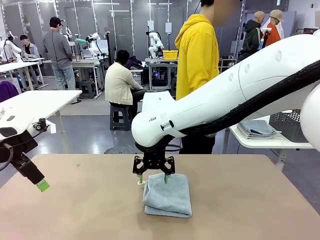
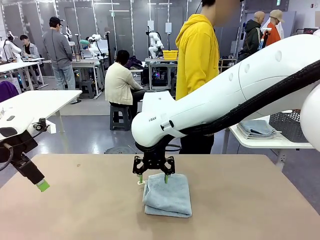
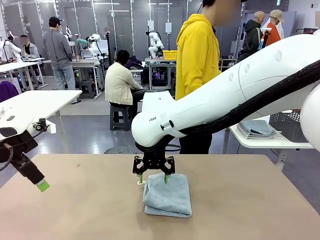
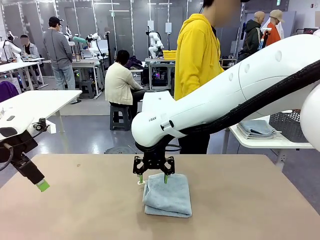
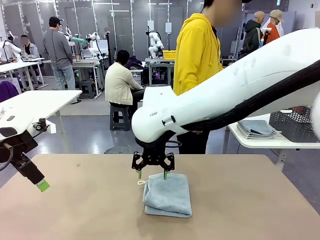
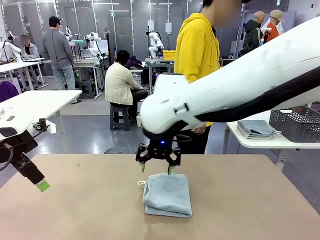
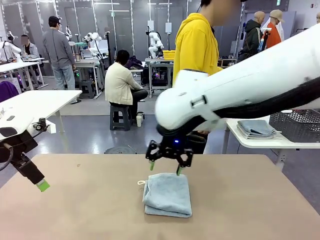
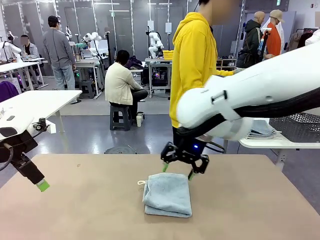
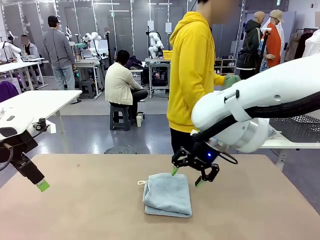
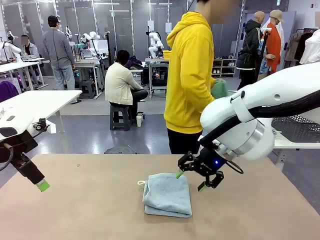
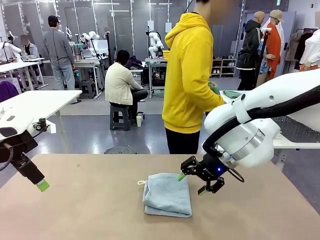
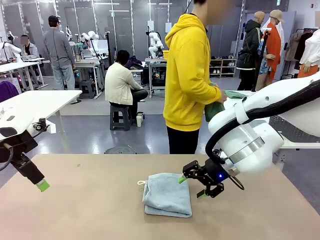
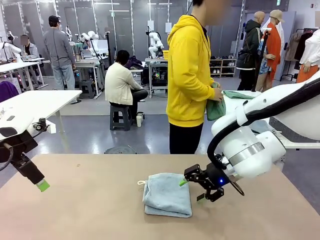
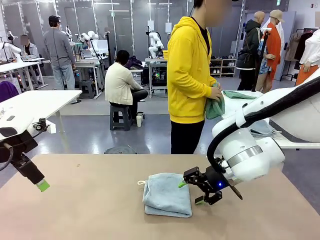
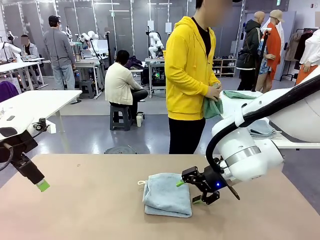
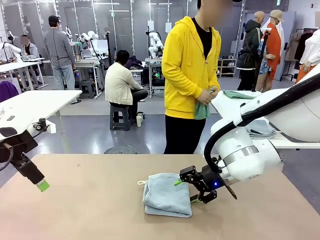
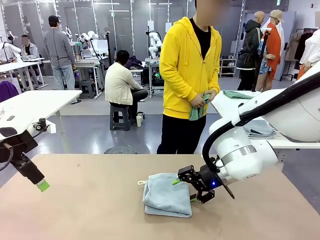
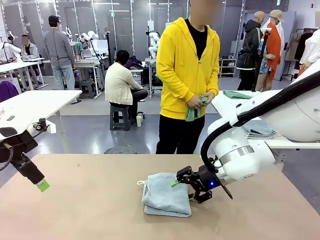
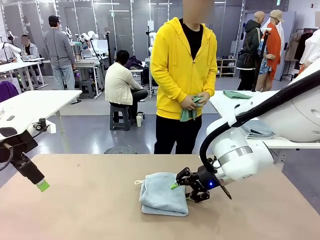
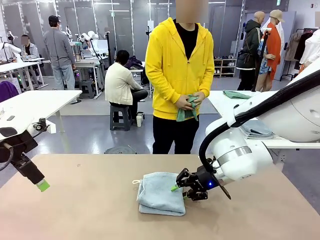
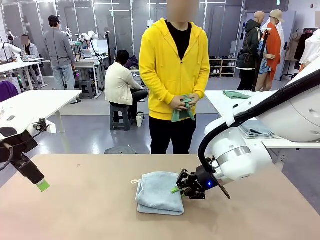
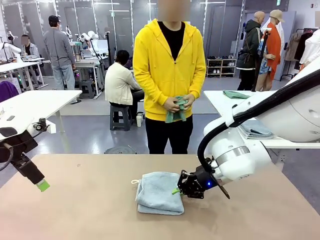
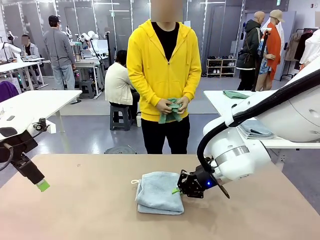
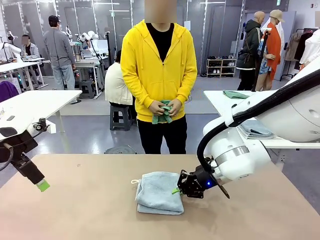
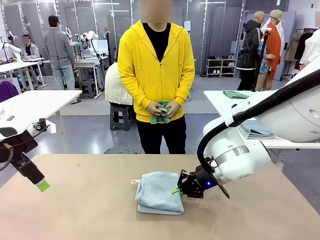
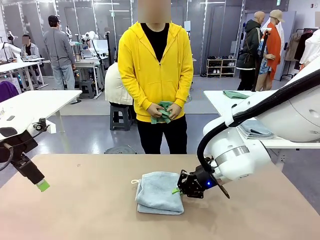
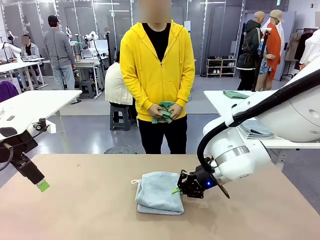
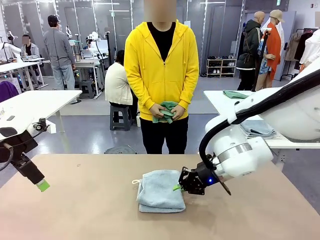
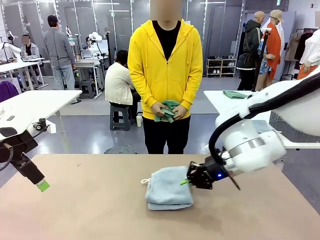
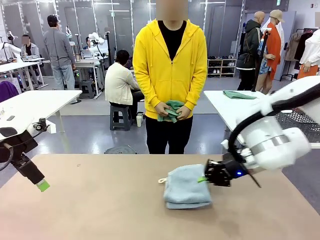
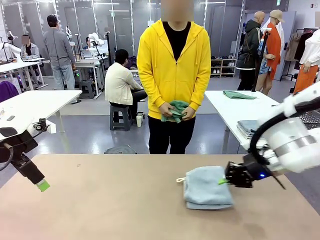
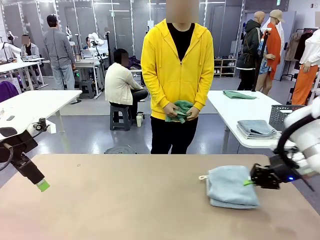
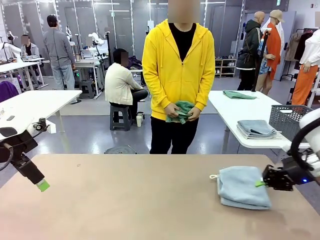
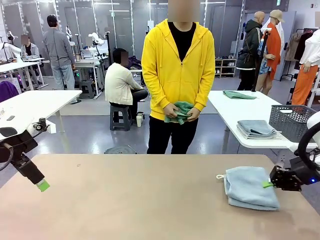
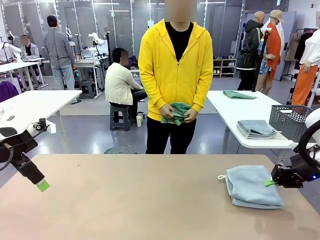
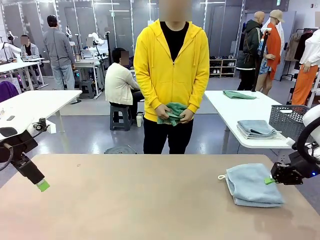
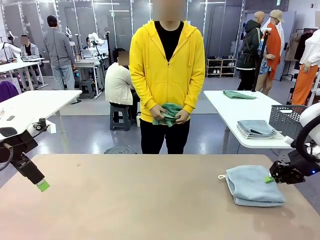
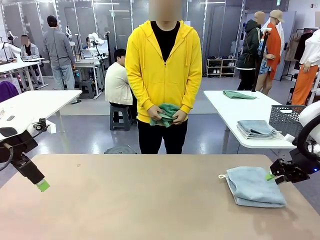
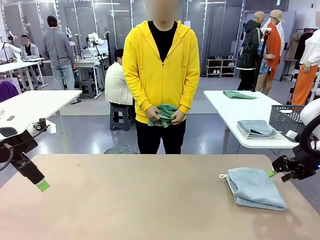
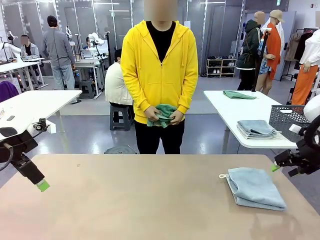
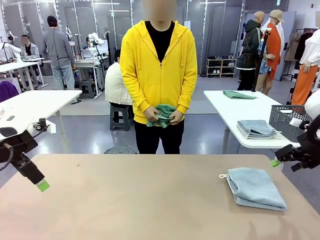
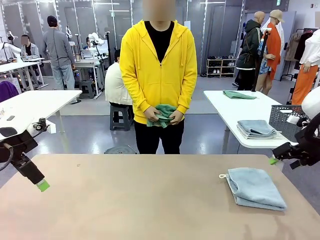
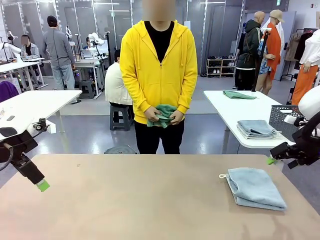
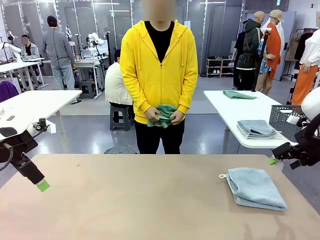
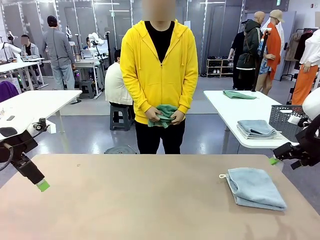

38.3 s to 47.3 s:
Task: Fold the towels and place them in the basket.
Robot: Place the folded Towel with hook on the right side of the table.
Person: Pick up one towel from the left side of the human table and spread it out at the center of the robot table.

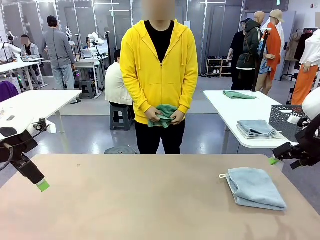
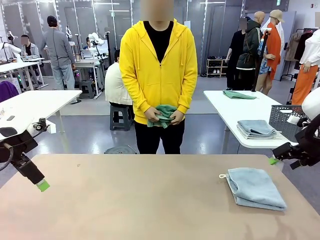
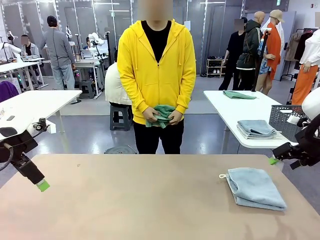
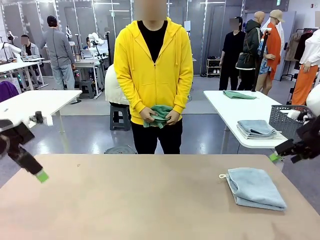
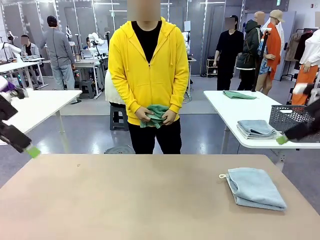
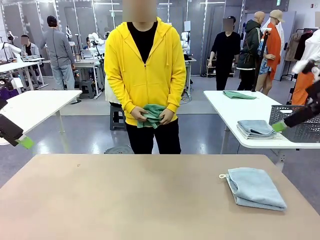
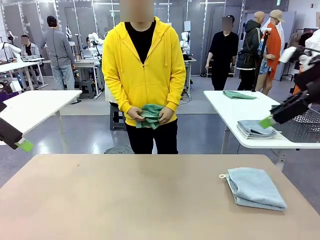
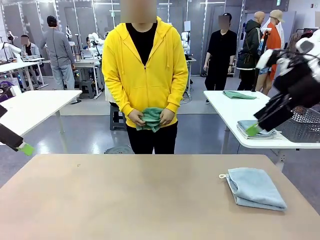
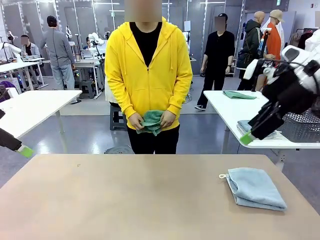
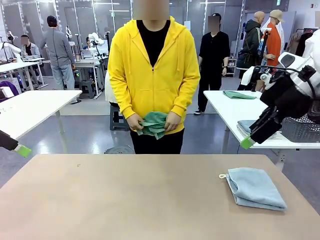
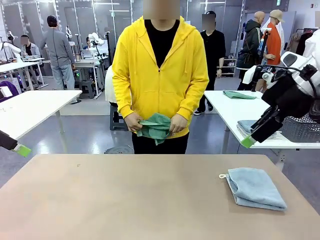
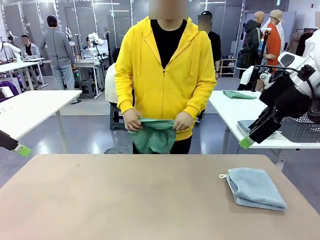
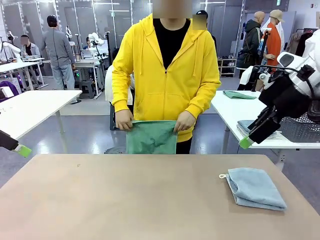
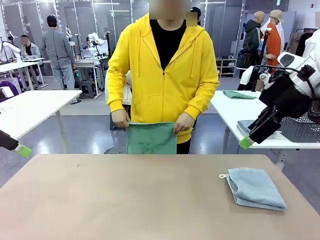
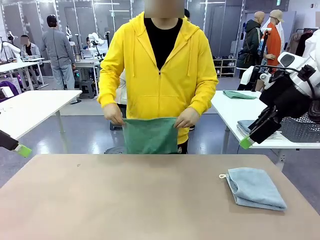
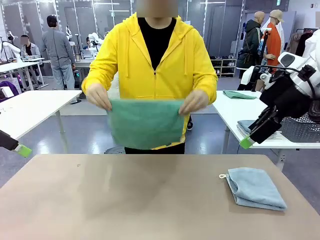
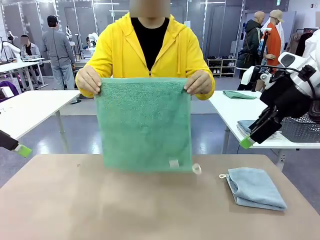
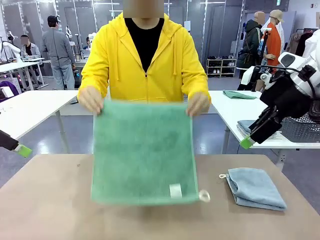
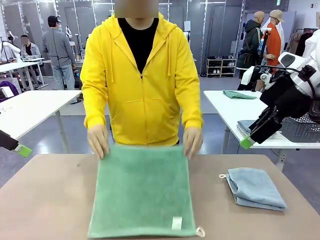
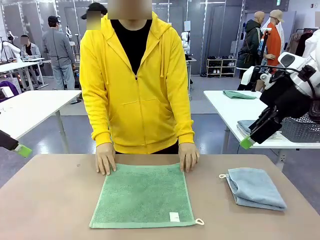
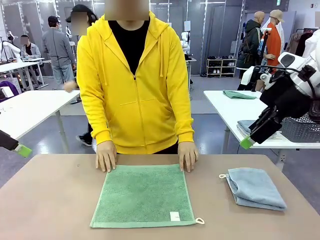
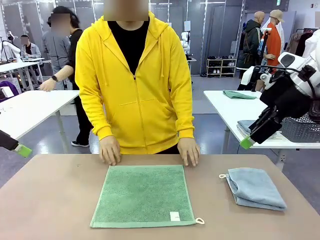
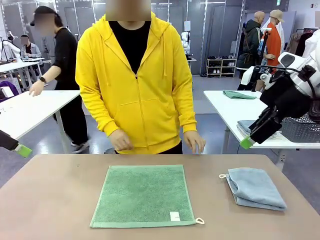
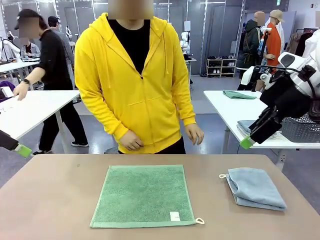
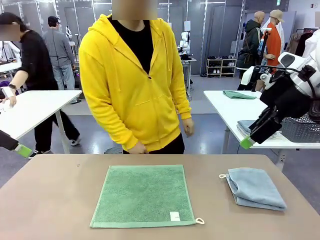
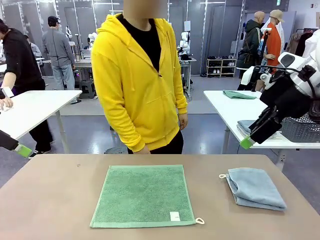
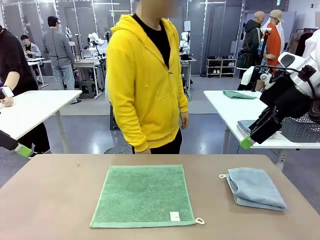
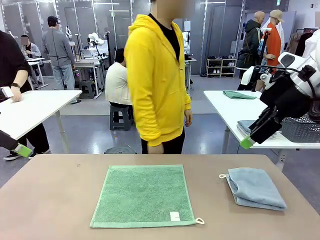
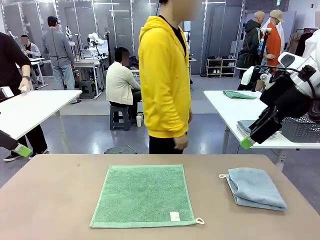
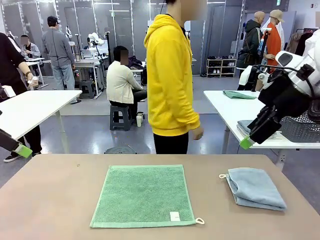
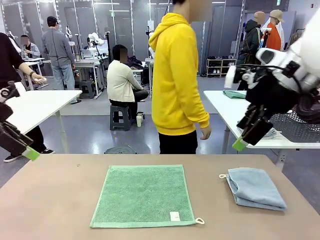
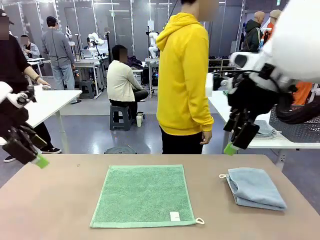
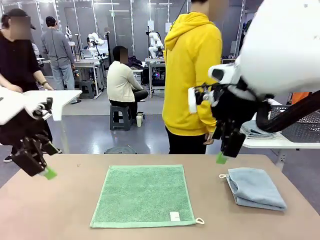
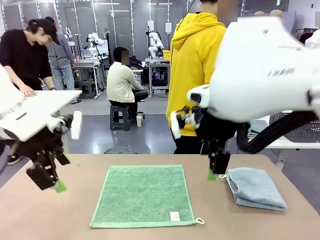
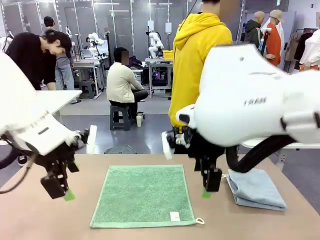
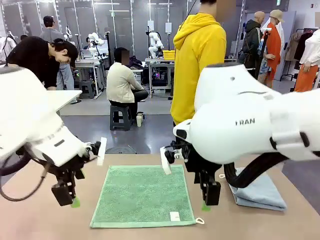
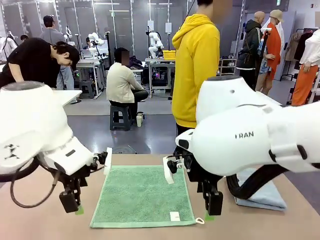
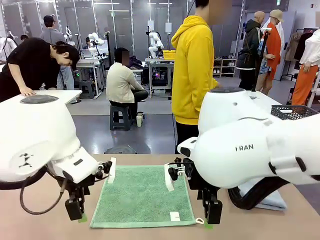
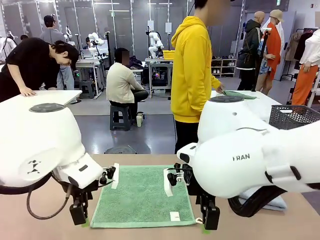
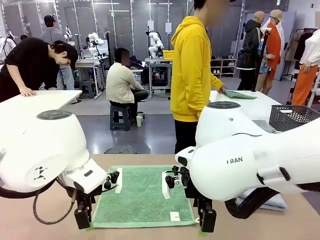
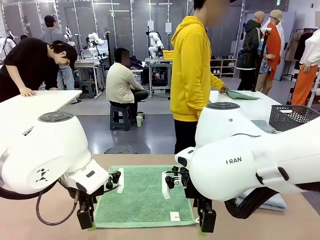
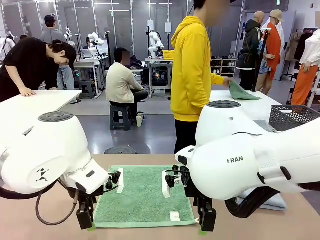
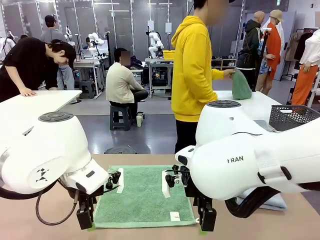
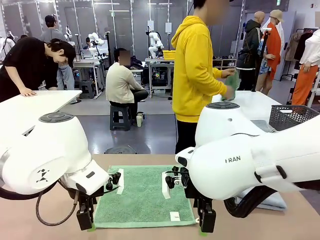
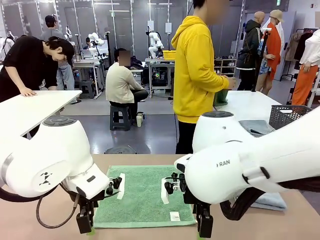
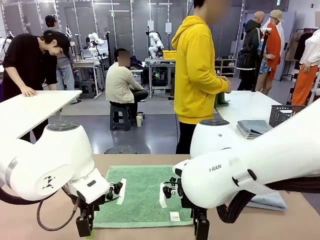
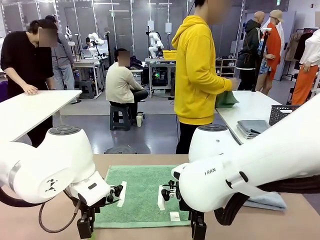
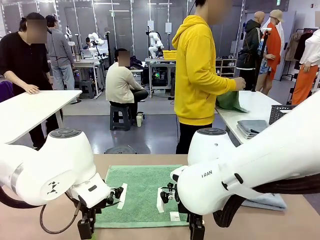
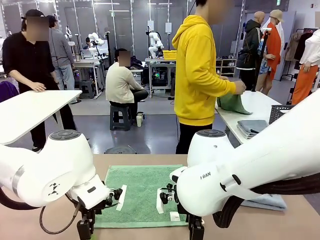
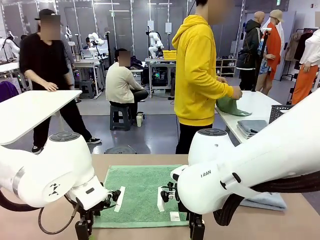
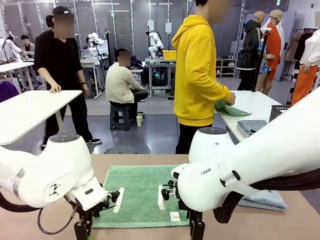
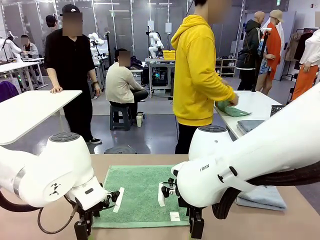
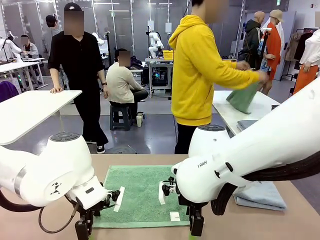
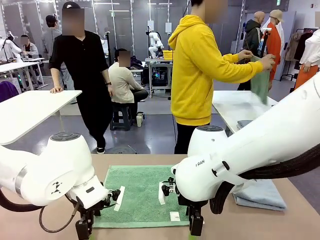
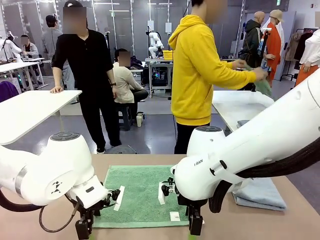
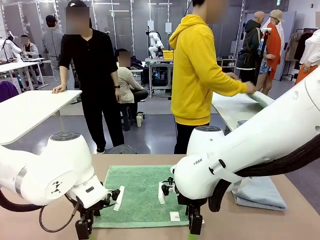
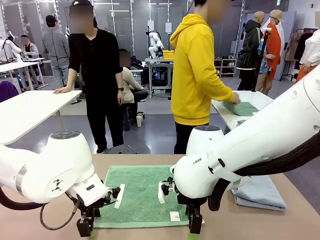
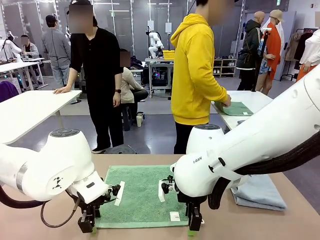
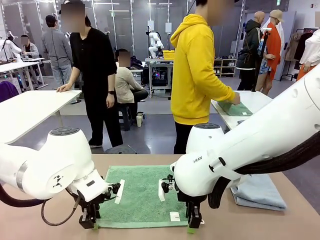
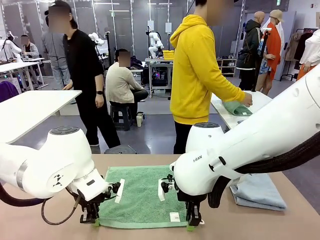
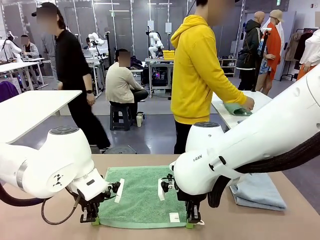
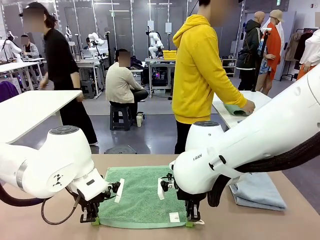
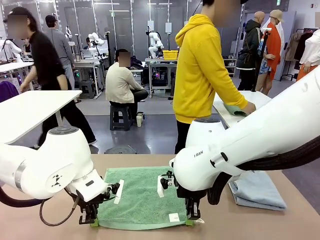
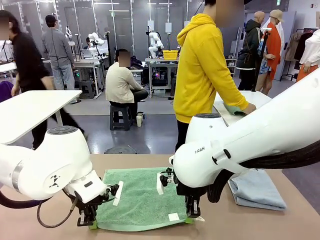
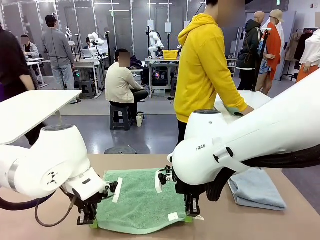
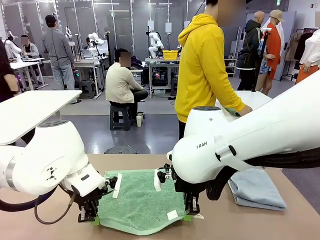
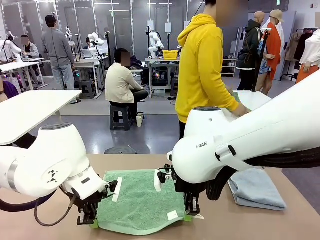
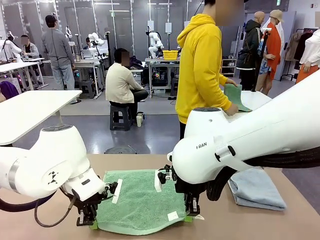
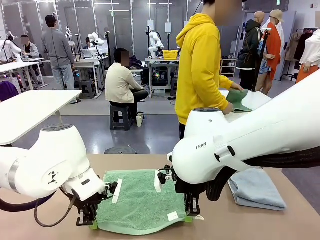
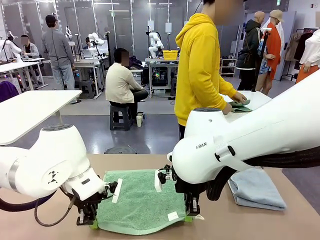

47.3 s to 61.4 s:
Robot: When a person lays out a Towel with hook on the table, fold it in half twice.
Person: Pick up one towel from the left side of the human table, fold it in half twice, and stack it on the right side of the table.
